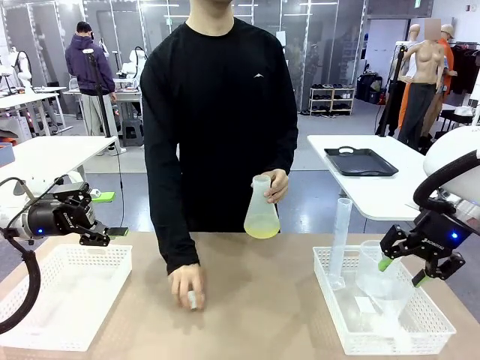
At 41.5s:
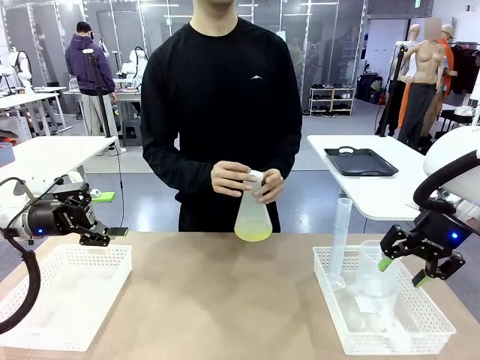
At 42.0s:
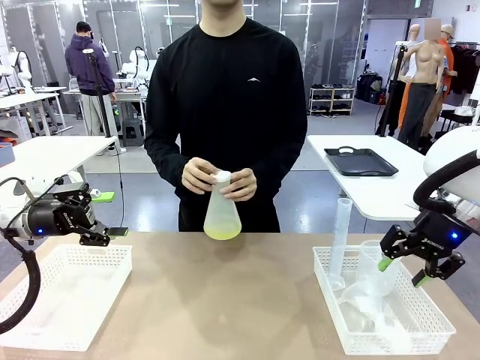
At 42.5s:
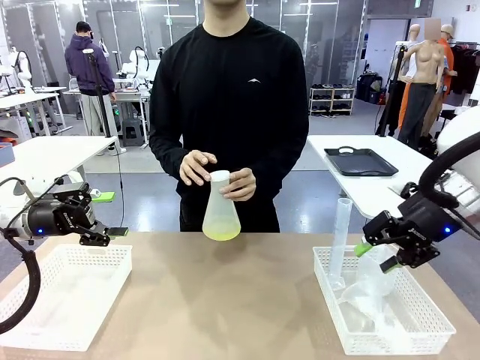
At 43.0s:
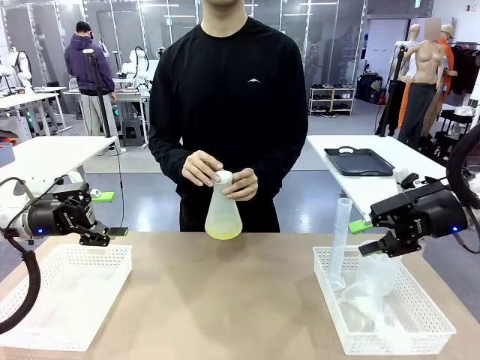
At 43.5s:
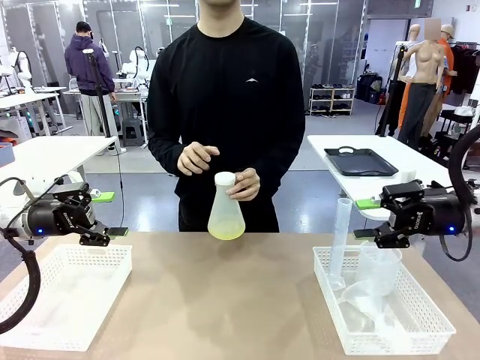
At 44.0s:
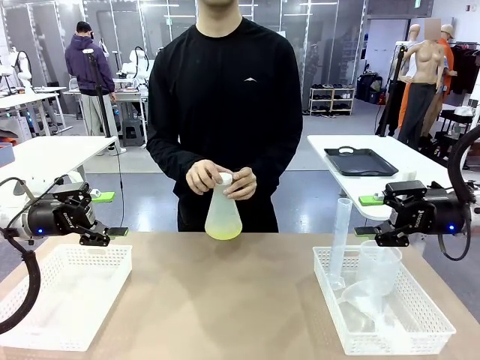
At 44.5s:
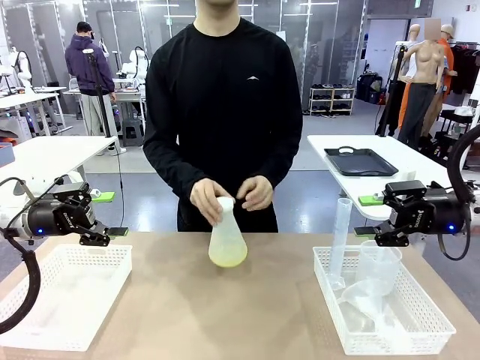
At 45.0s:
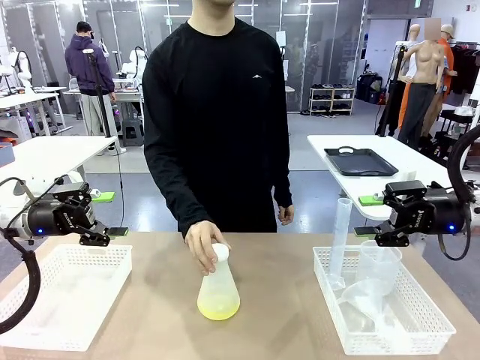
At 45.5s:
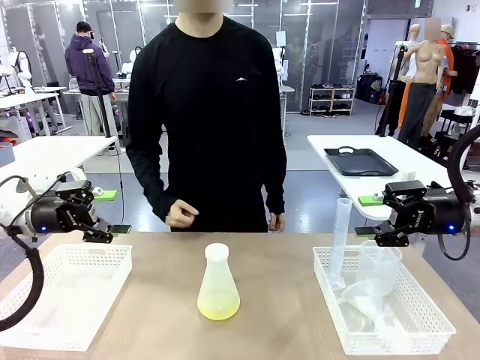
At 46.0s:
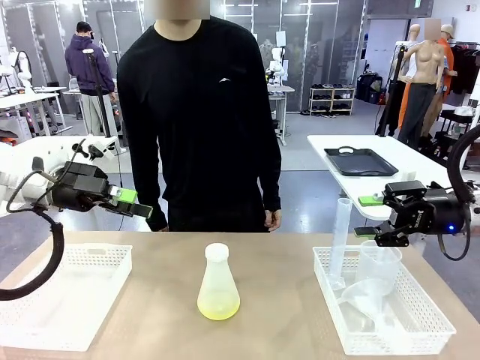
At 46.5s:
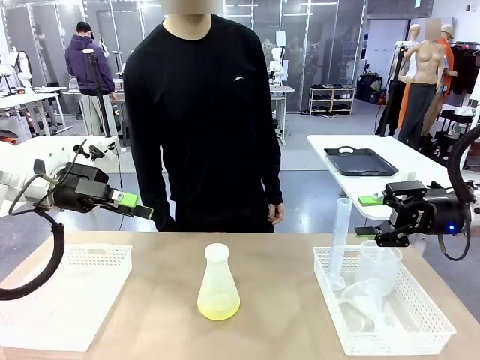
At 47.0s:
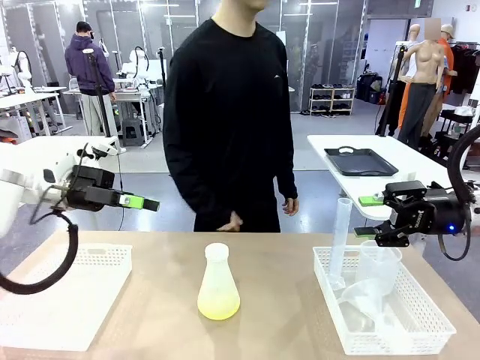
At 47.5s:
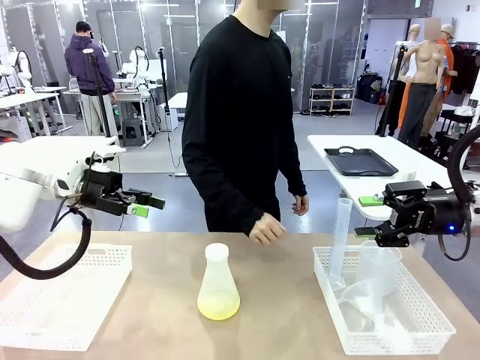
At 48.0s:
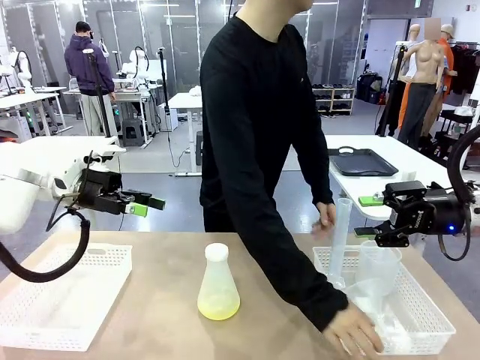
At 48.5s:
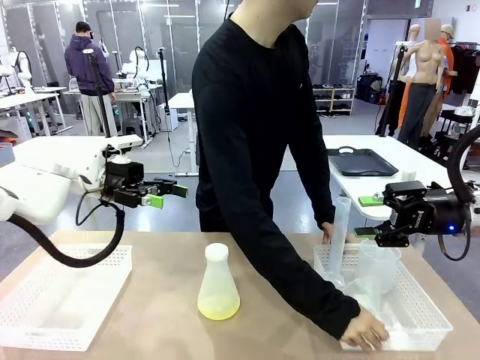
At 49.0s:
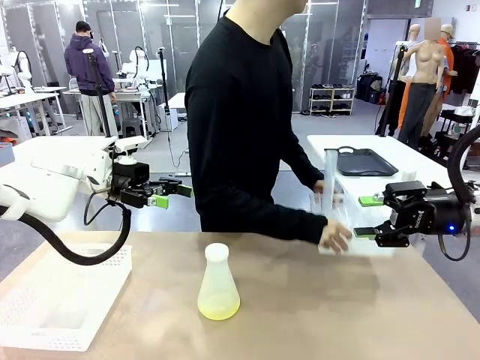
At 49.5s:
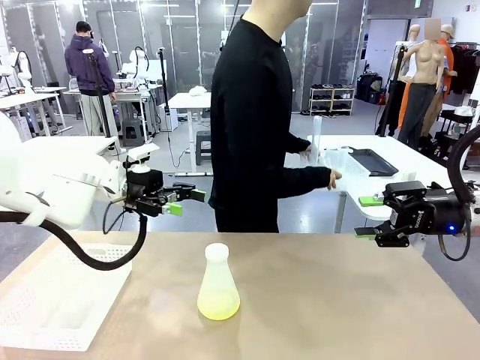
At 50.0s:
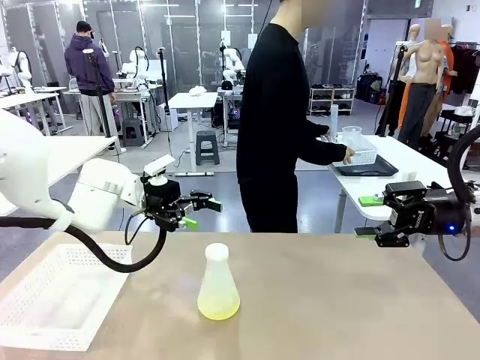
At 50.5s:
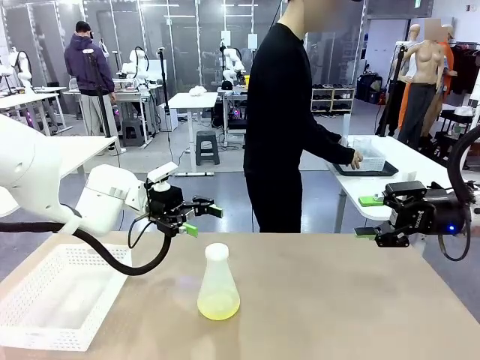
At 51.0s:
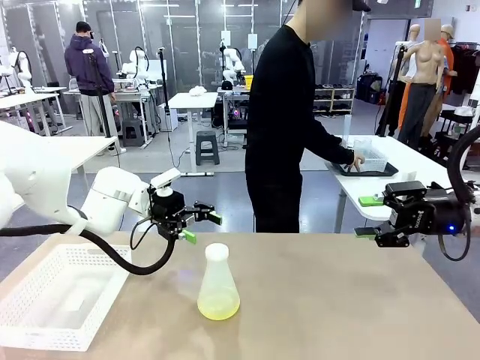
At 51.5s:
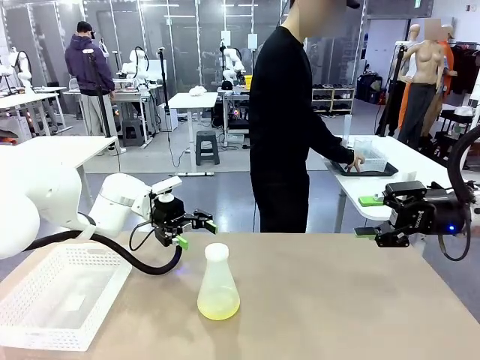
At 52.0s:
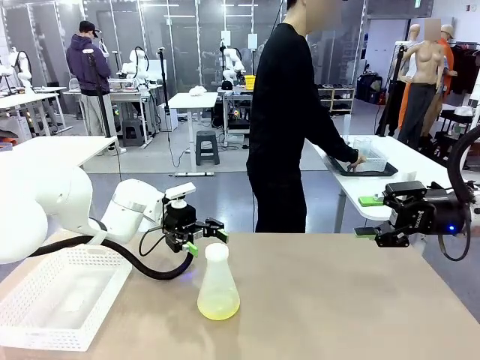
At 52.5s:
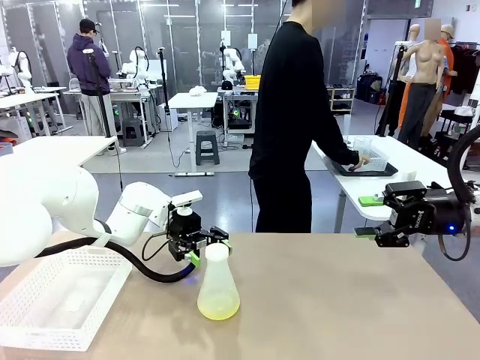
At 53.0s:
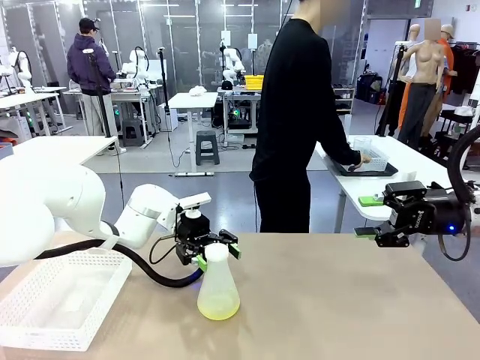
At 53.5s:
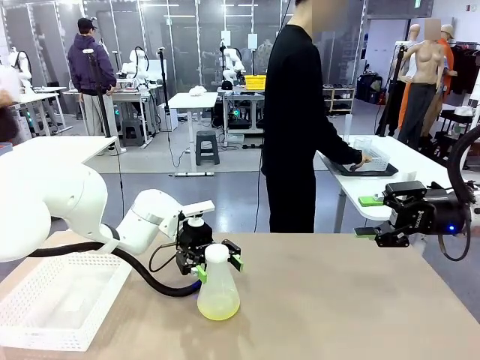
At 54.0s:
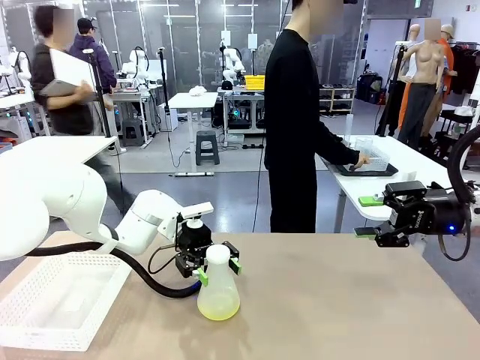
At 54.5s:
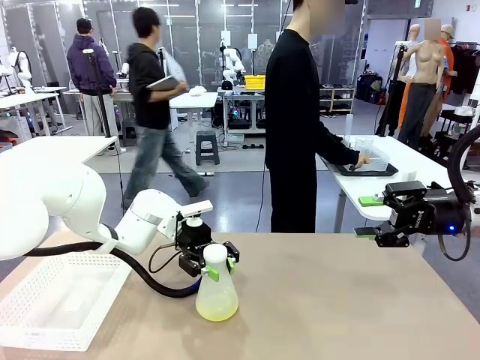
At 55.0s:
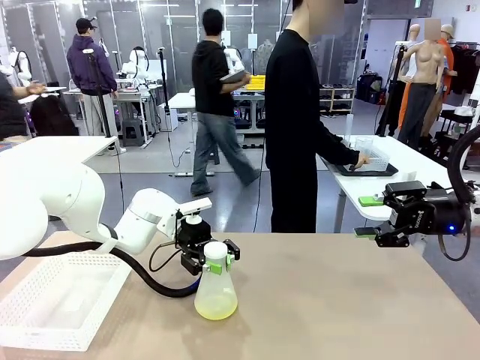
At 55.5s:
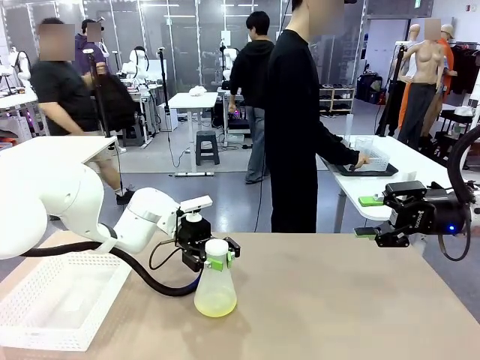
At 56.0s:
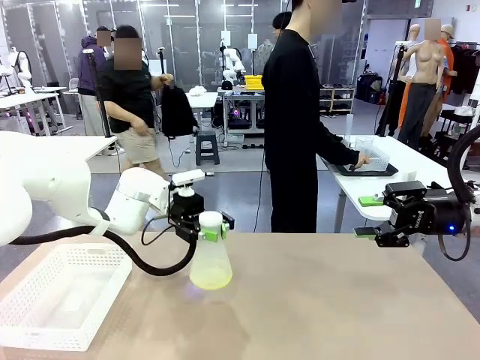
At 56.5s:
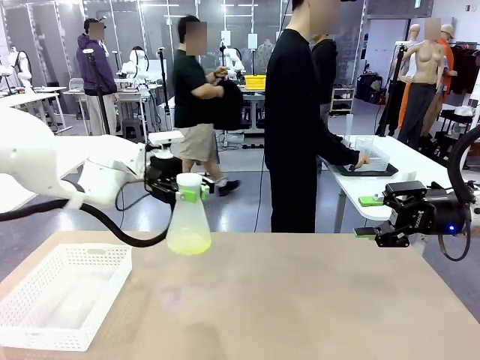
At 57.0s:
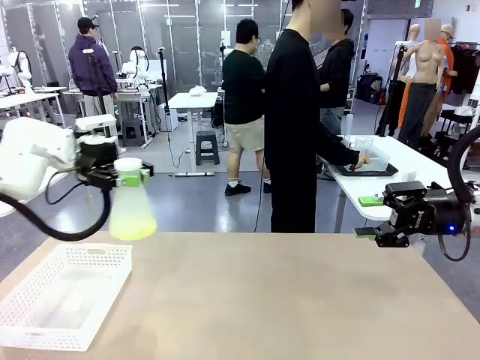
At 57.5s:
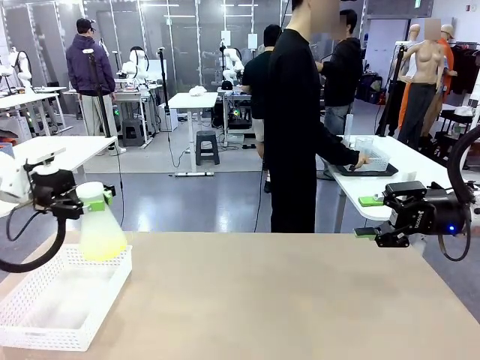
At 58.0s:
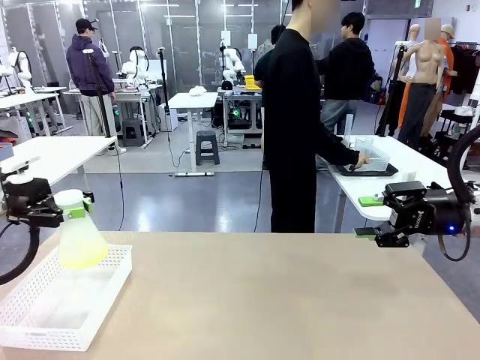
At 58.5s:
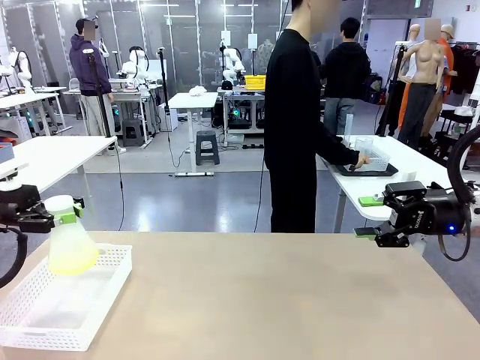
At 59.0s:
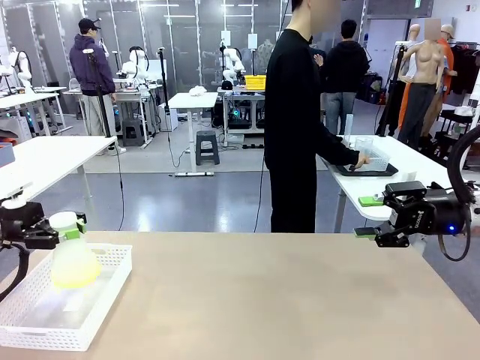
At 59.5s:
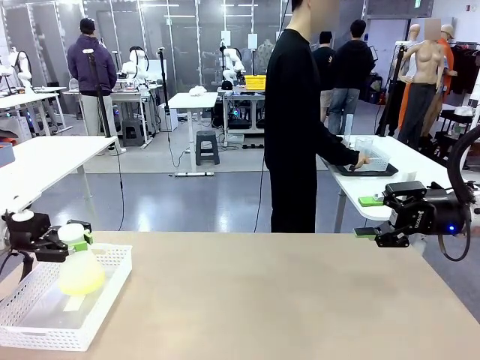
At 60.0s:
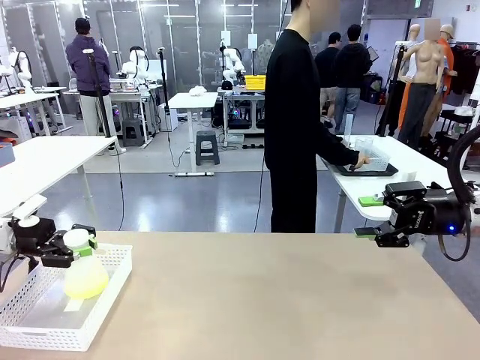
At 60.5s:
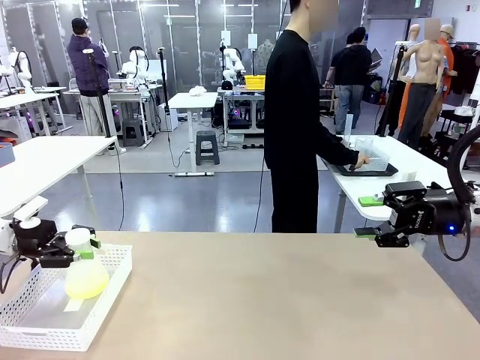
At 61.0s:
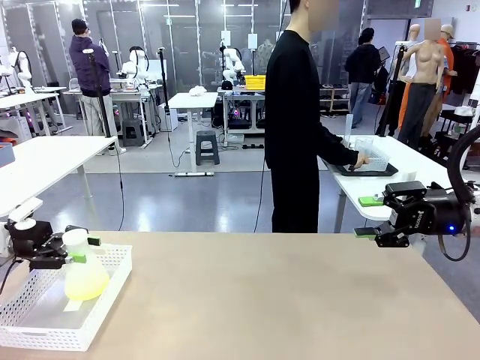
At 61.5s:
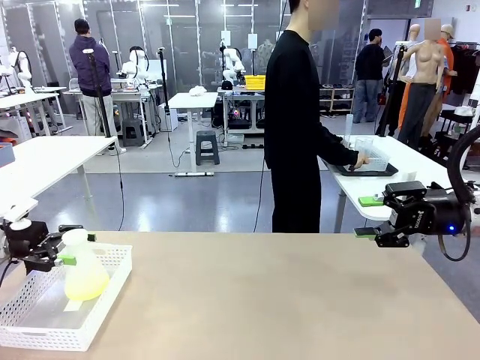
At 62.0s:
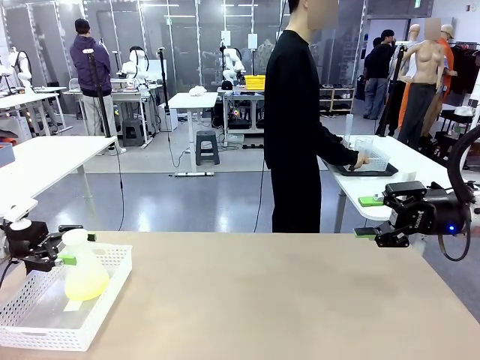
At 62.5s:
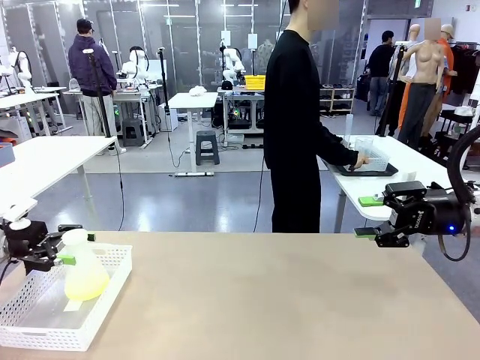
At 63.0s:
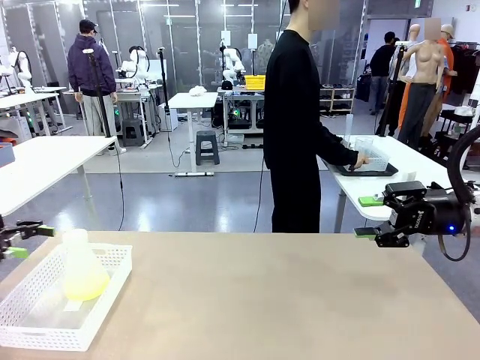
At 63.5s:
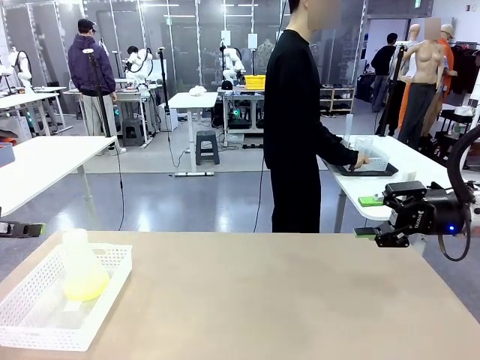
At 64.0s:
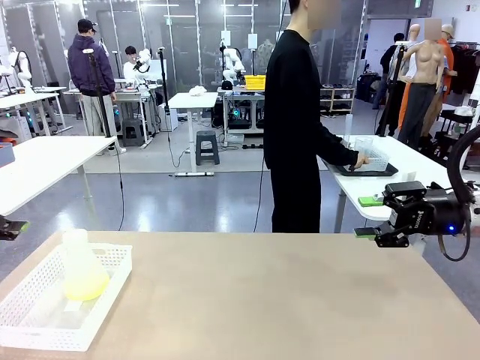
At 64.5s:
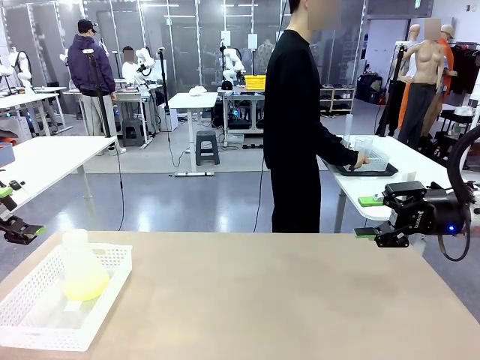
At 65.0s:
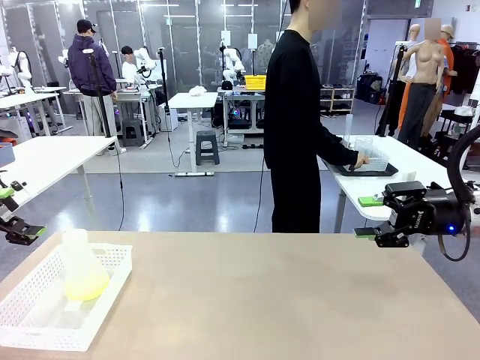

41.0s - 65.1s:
Task: Prepare the solutions needed for the experiment.
Robot: When the human places the Big flask in the center of the table, pick up the Big flask and place it in the left Organizing basket.
Person: Pick up the organizing basket on the left side of the robot table and place it on the left side of the human table.

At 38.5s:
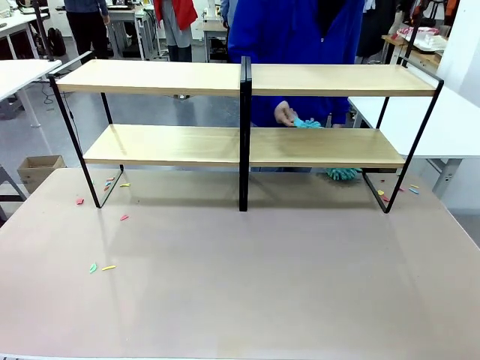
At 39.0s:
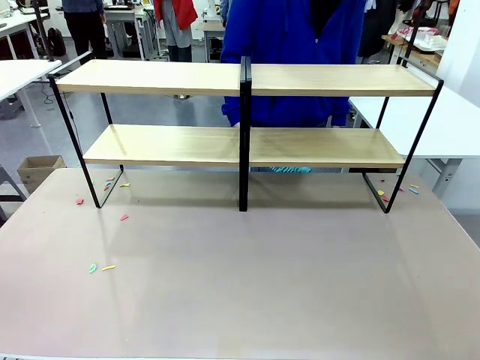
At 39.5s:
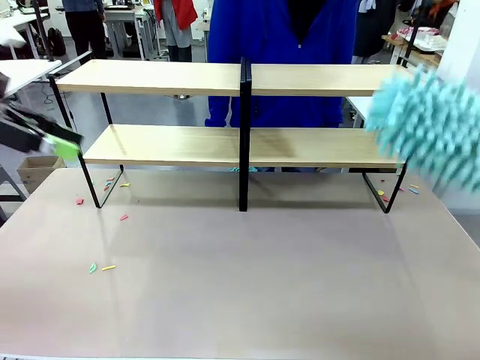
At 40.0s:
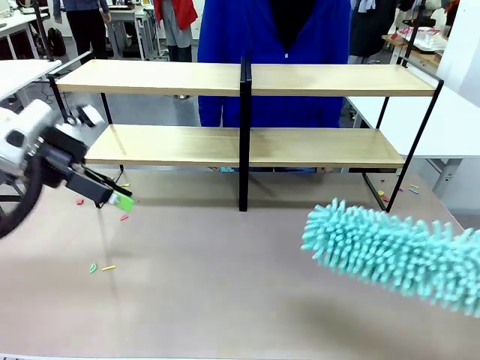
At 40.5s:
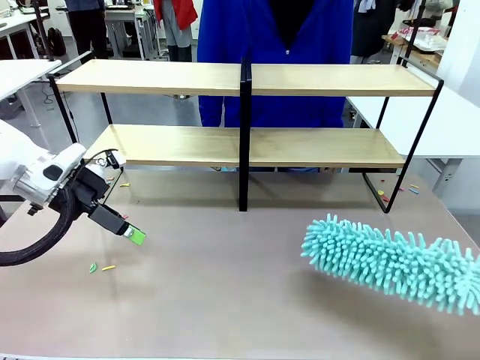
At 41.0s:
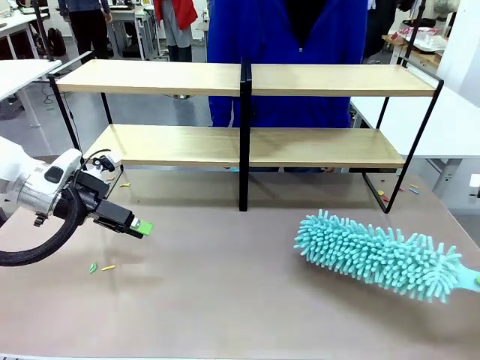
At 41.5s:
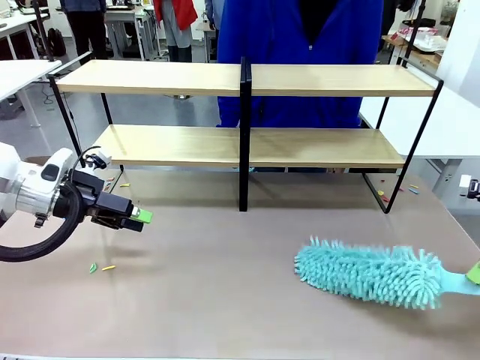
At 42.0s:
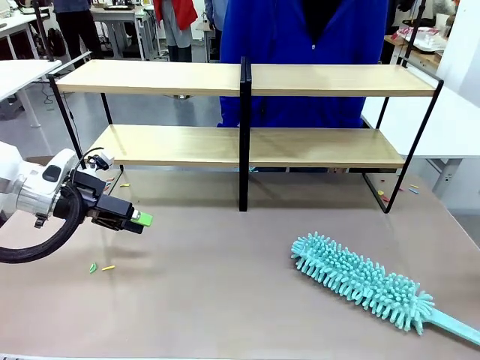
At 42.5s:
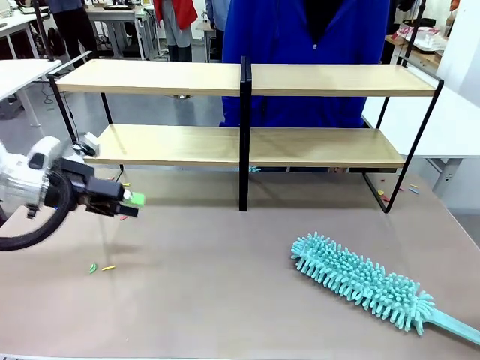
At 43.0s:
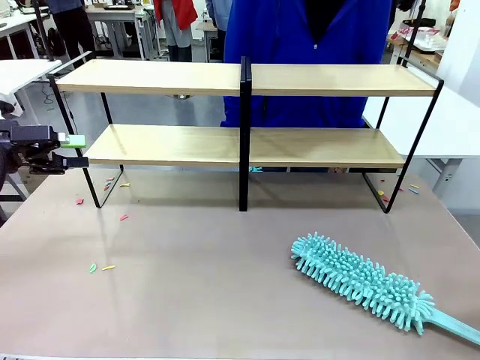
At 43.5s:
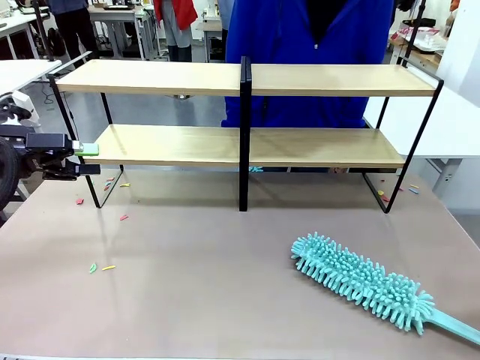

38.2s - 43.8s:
Task: Clean the shelves.
Robot: Place the Duster on the table.
